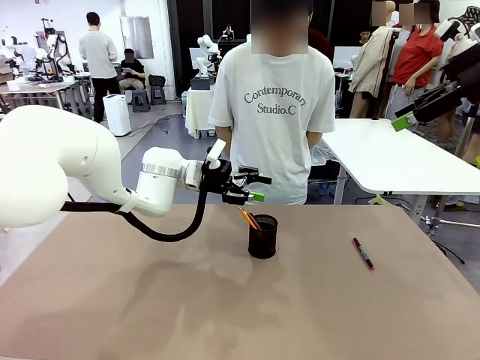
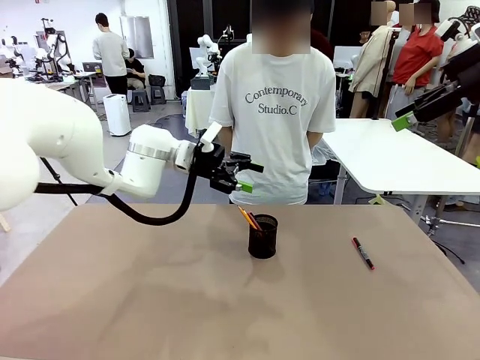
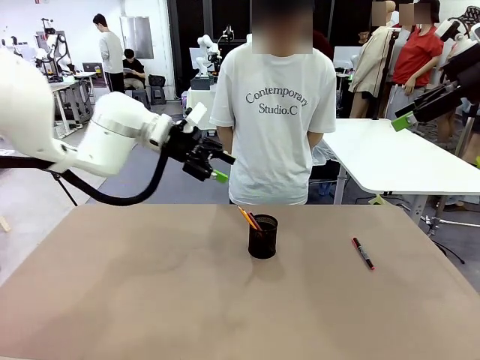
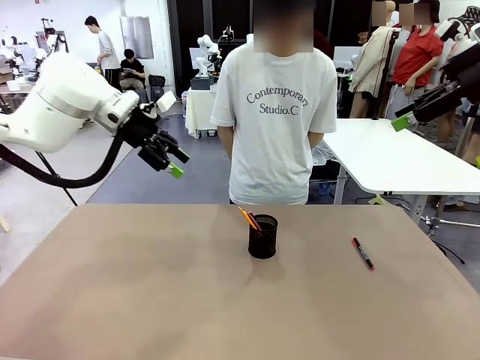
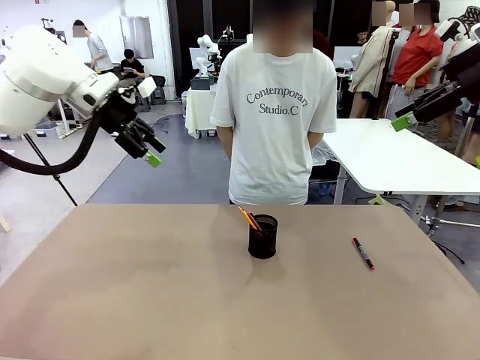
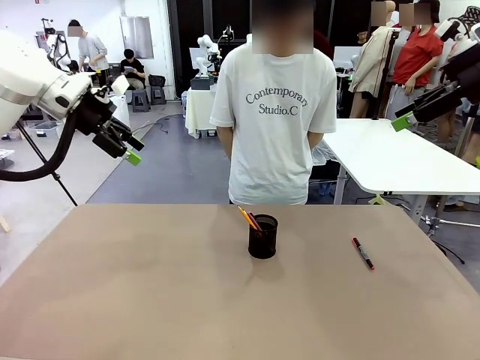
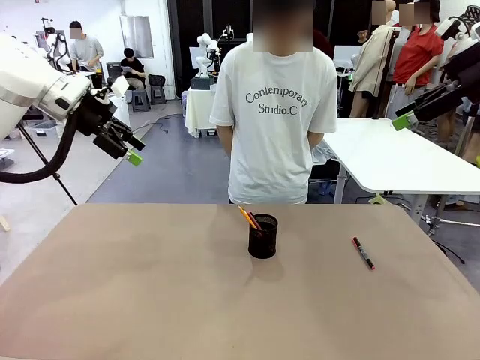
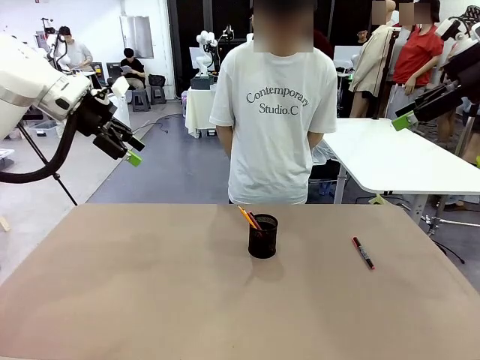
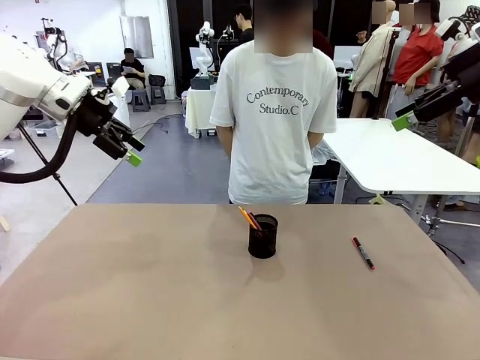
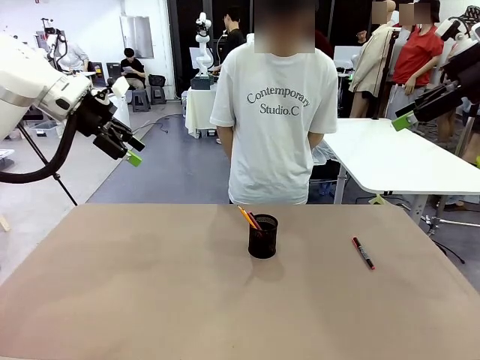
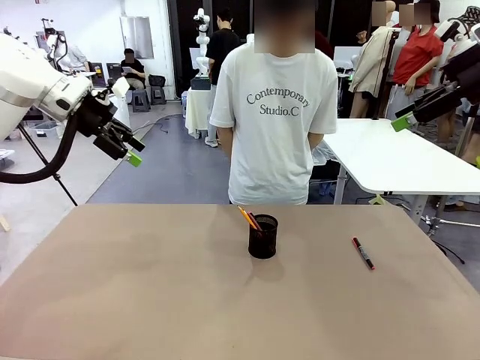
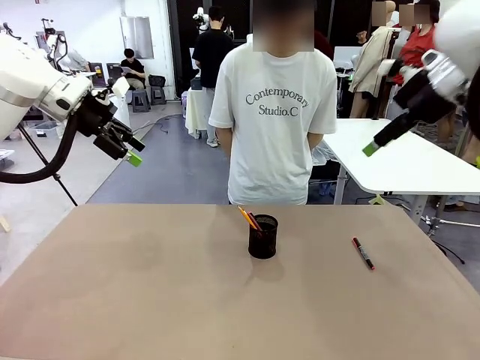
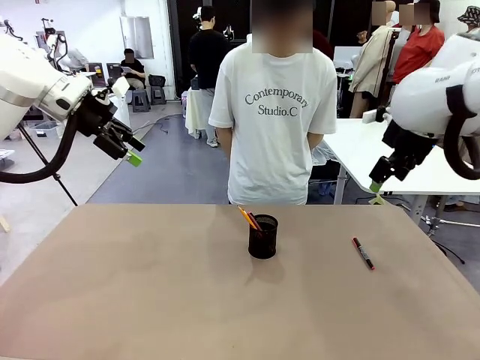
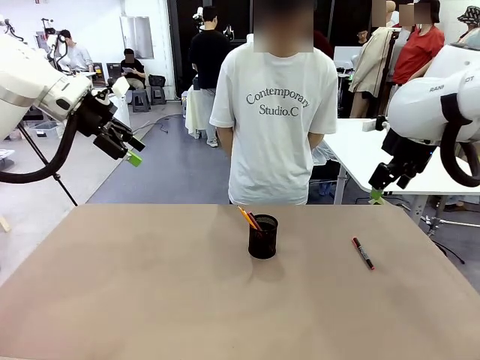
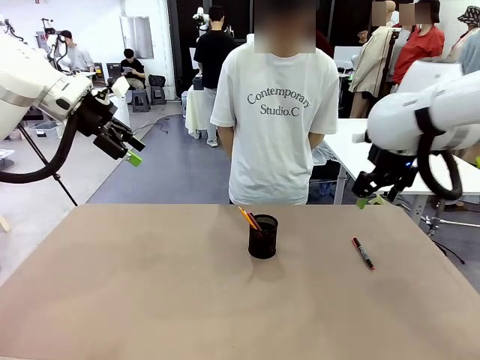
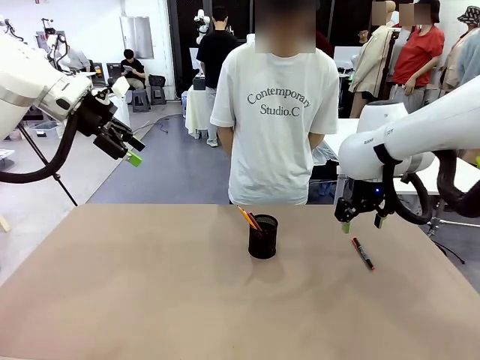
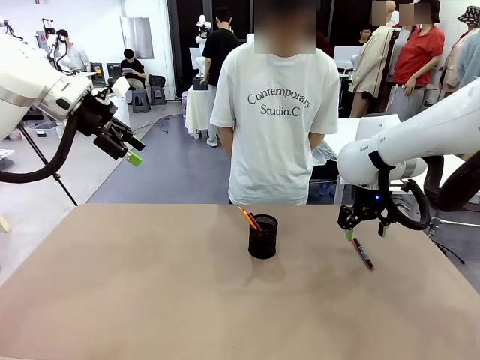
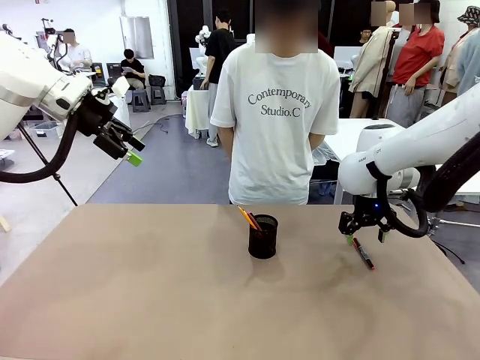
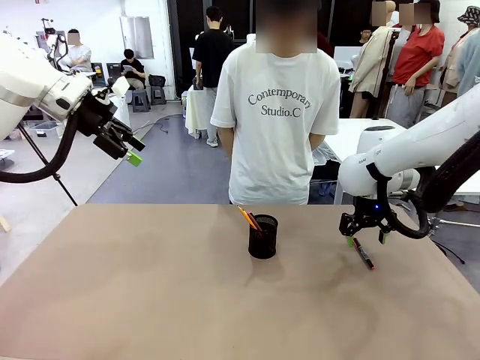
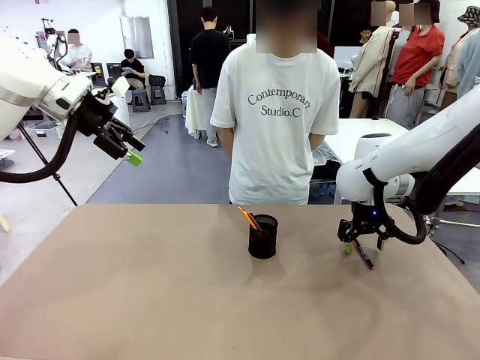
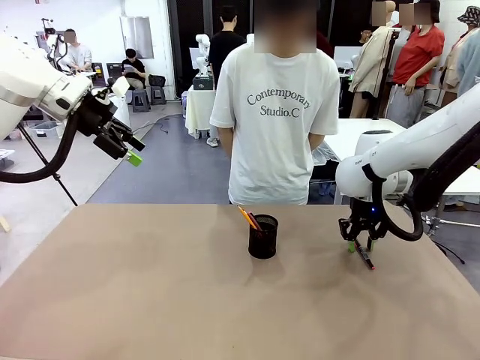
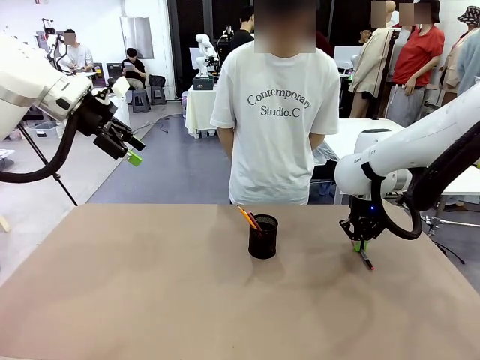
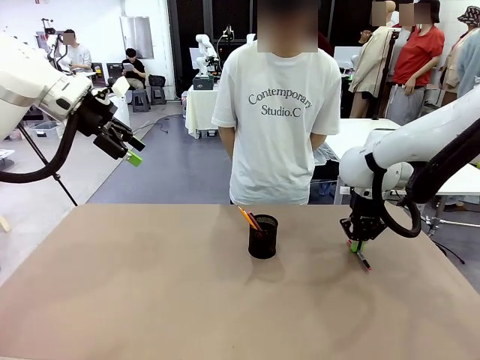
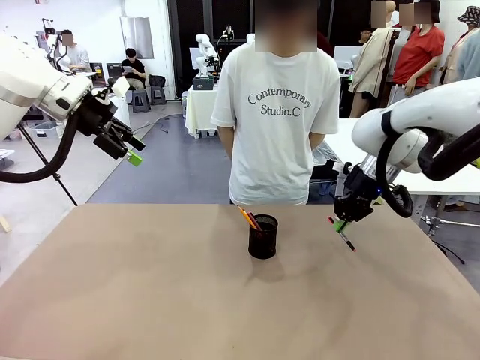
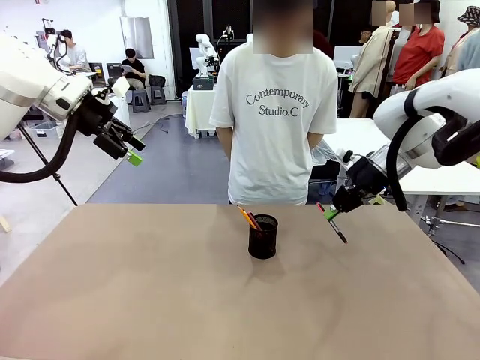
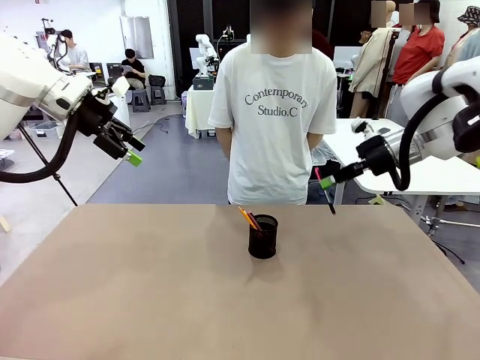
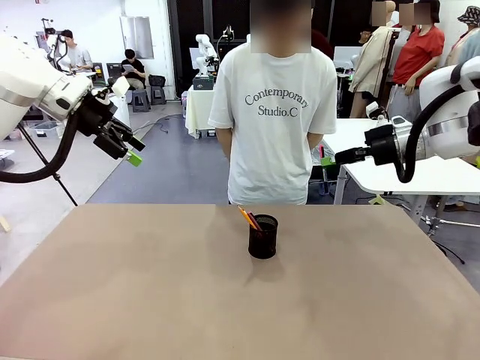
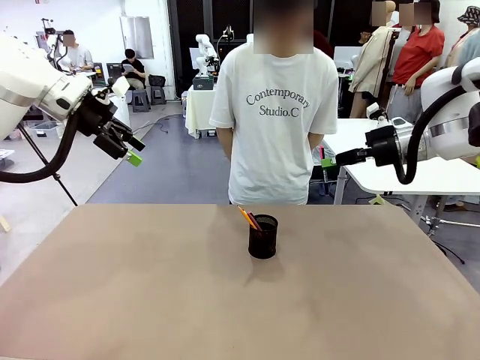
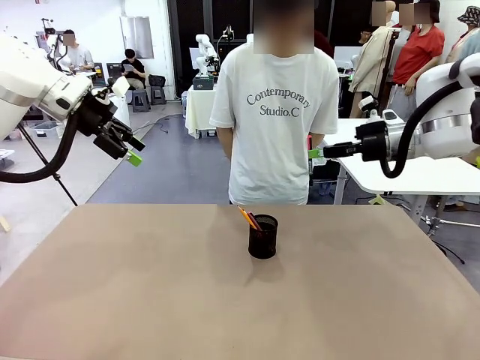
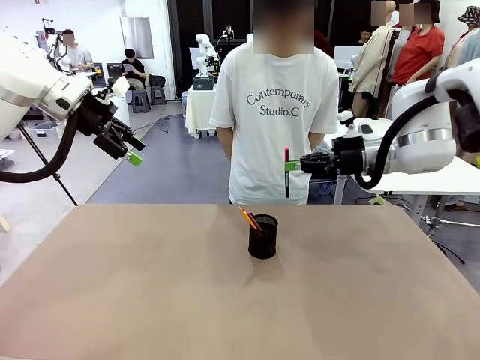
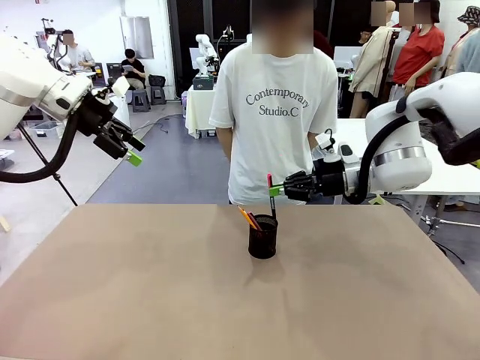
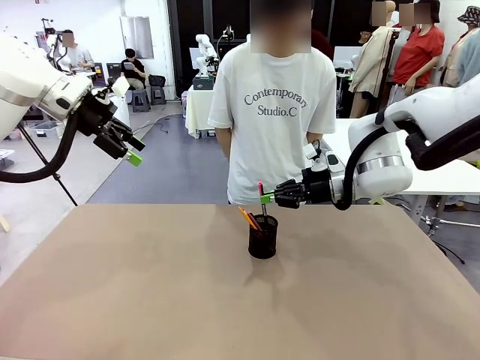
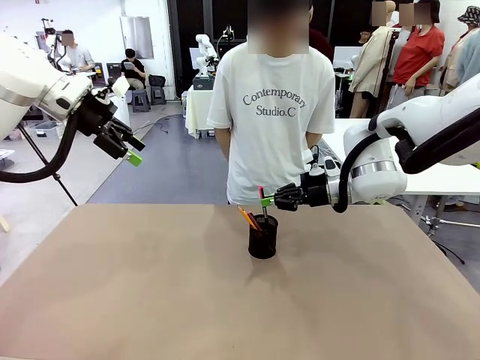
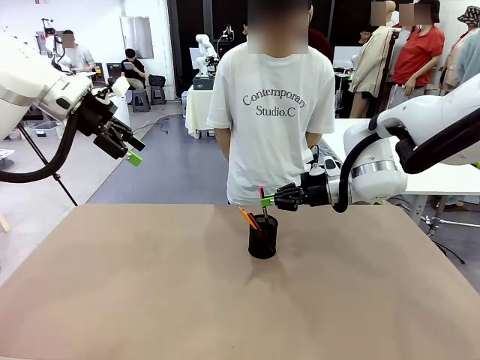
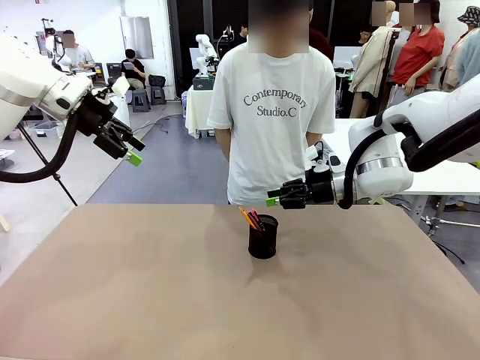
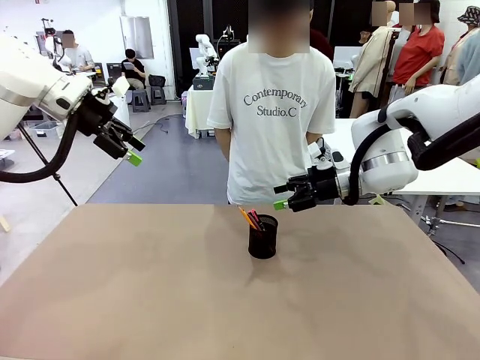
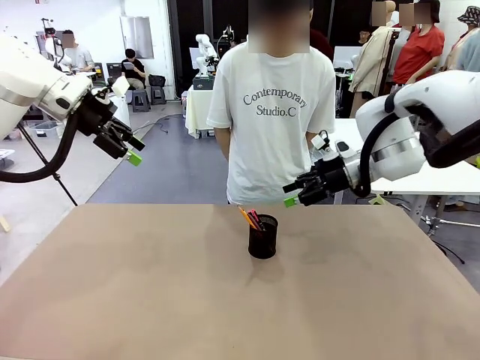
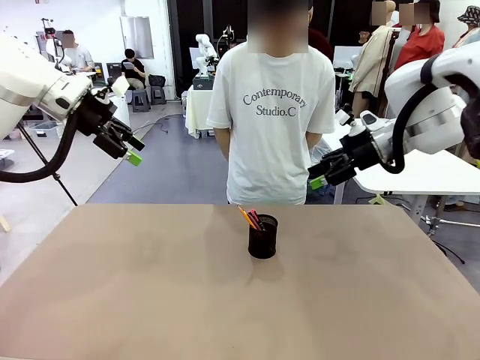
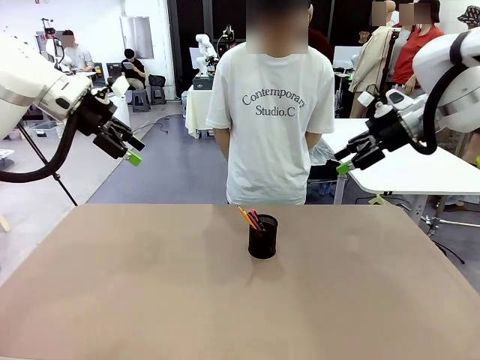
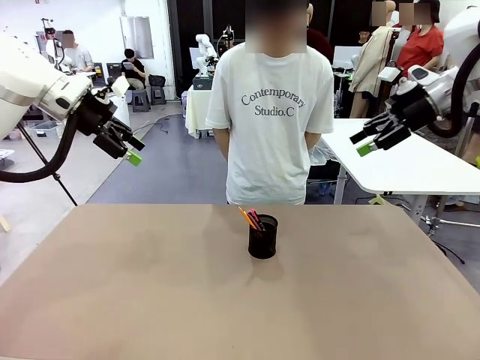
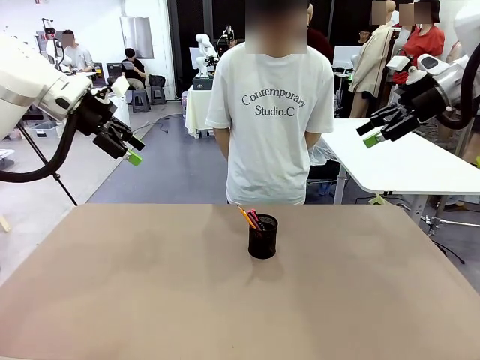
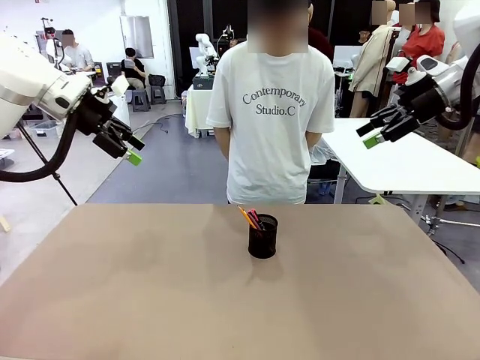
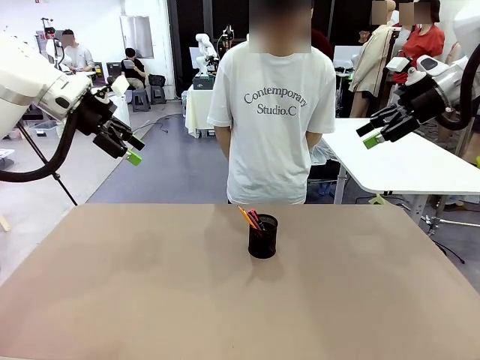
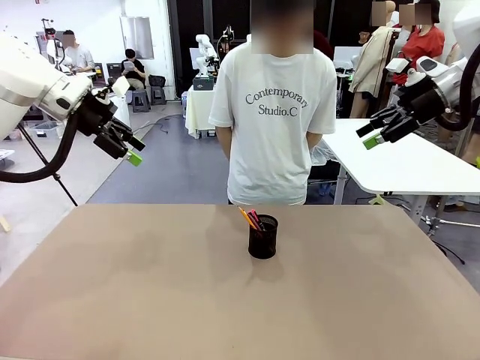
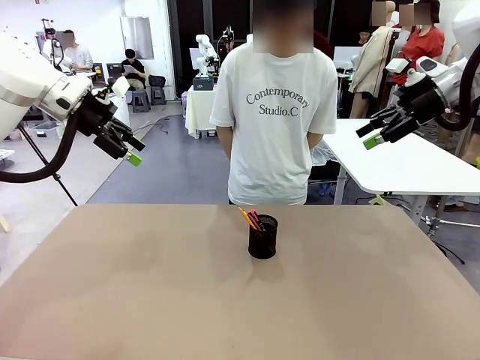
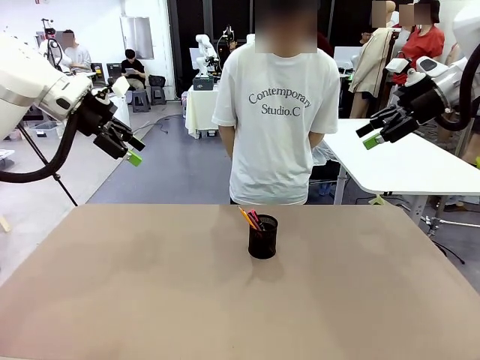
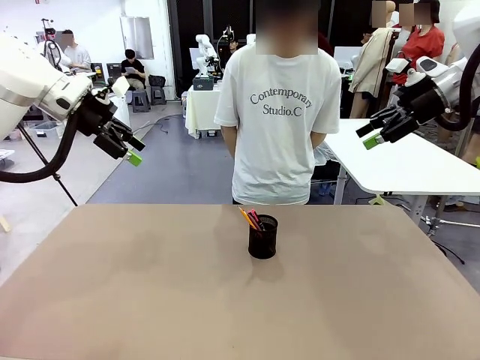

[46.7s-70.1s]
Task: Place the pens into the pen holder.
Robot: Pick up a writing instrument from the table and place it into the Pen holder.
